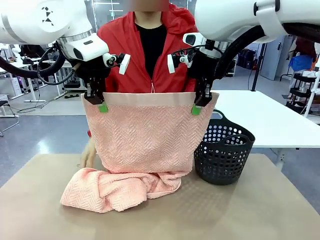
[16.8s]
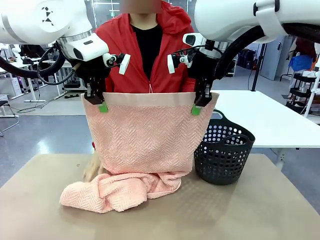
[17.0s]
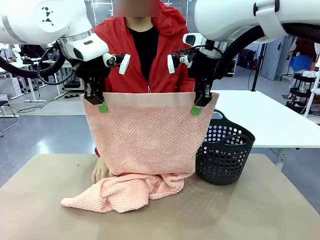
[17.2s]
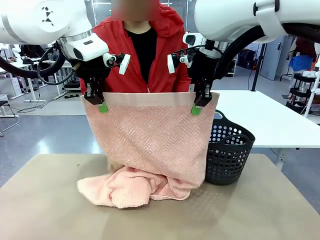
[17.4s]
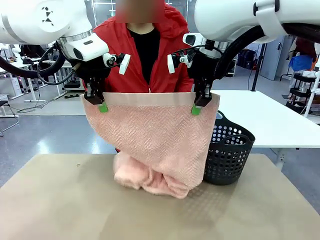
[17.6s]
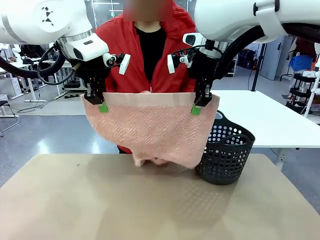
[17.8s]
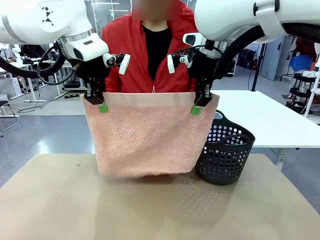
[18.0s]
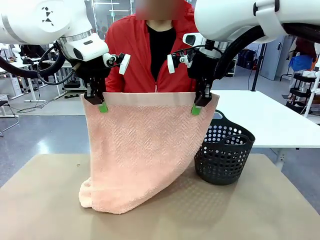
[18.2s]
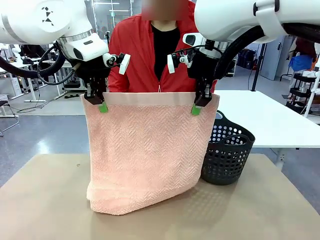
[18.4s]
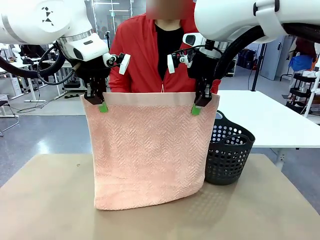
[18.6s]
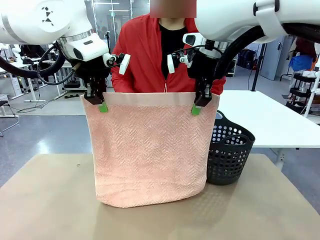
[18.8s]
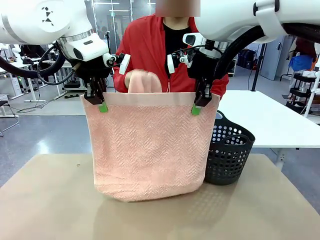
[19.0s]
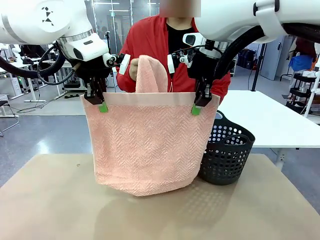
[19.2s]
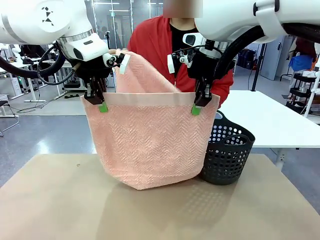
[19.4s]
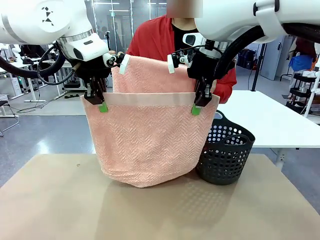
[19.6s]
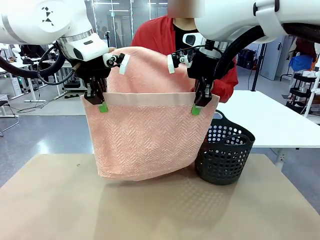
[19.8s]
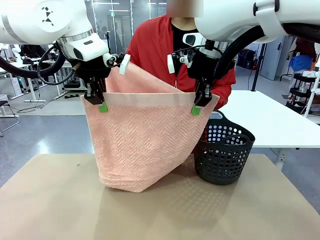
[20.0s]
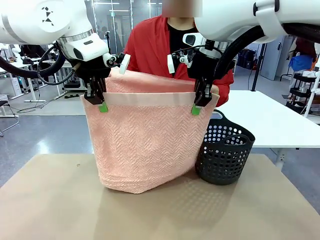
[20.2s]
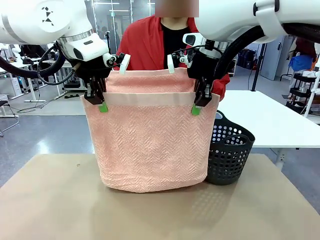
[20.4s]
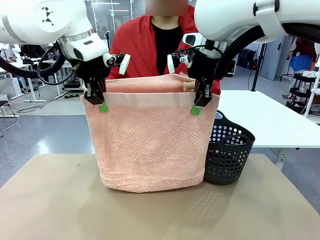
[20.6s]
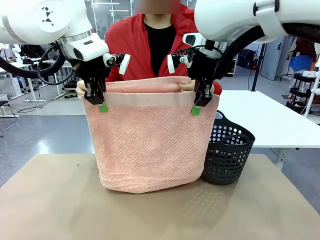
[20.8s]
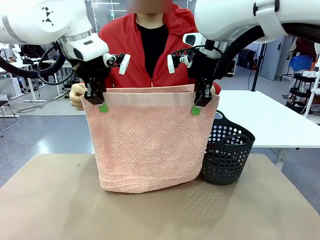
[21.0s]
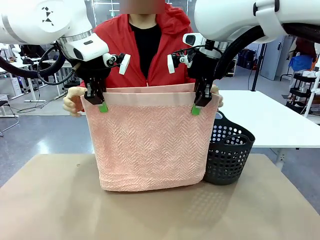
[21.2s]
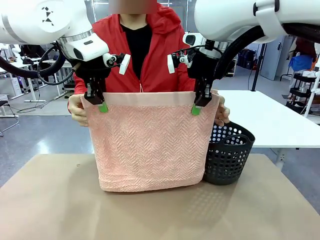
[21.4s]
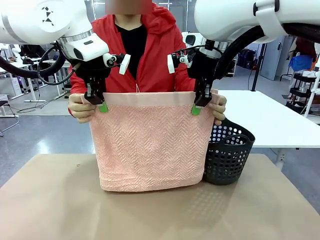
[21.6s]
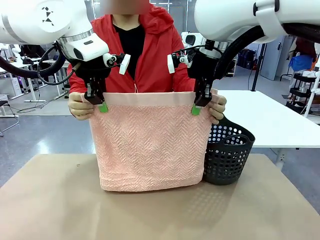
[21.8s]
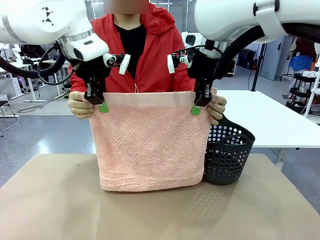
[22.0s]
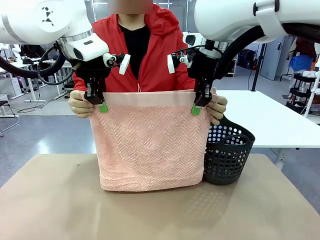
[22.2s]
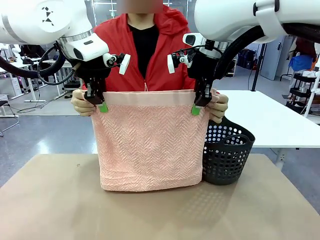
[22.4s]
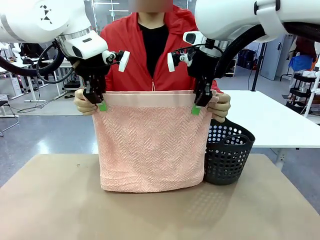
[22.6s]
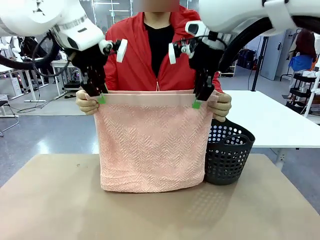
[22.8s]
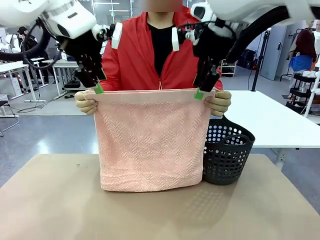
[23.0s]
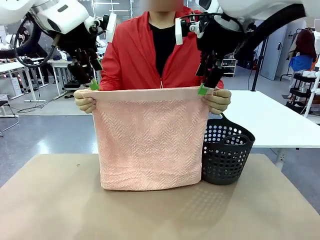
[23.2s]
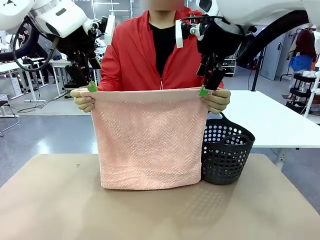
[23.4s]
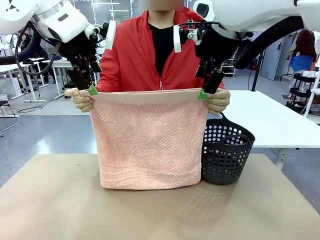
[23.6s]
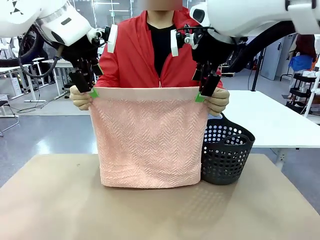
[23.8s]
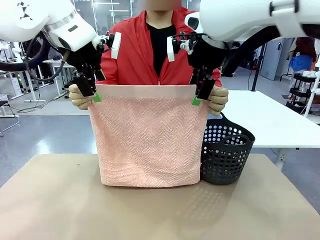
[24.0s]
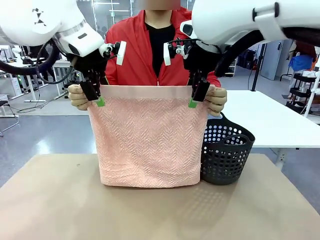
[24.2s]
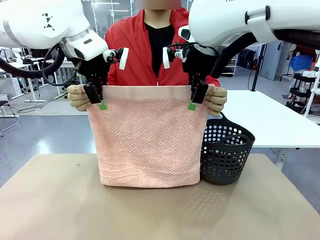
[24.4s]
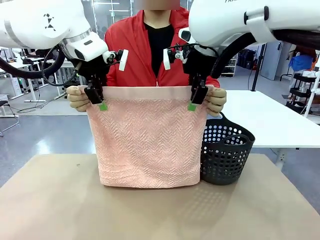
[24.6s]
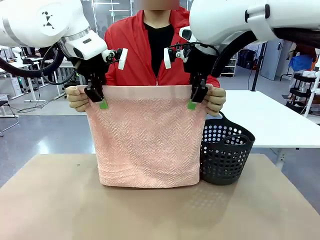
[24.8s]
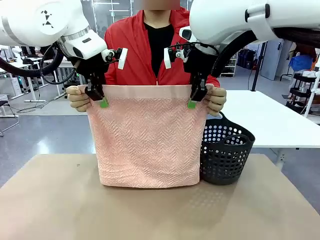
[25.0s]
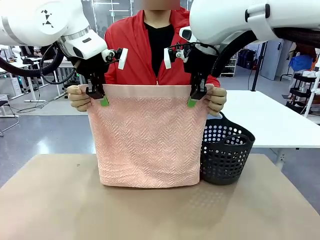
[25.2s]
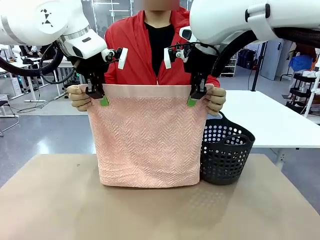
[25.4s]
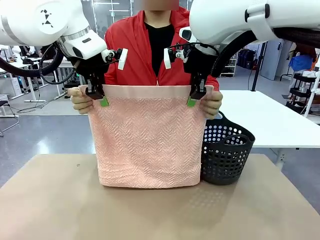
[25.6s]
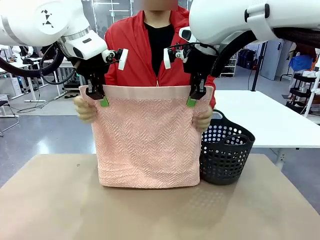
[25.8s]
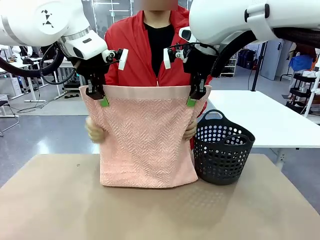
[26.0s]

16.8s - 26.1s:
Task: Fold the towel.
Robot: Release the end of the 100 cm Hotel Towel you were holding and grab the top end of the folded side.

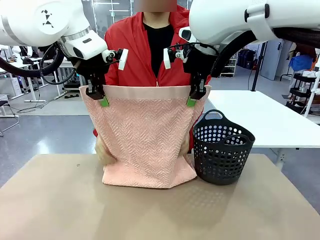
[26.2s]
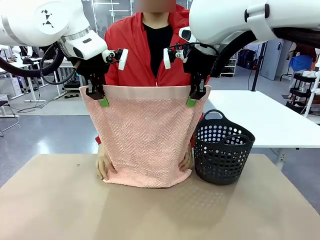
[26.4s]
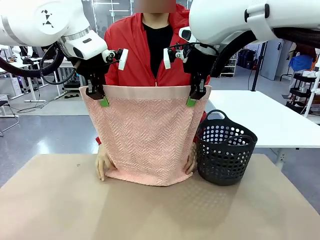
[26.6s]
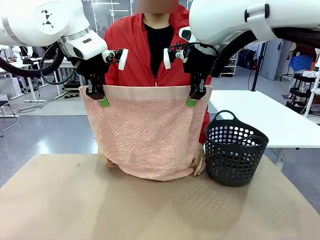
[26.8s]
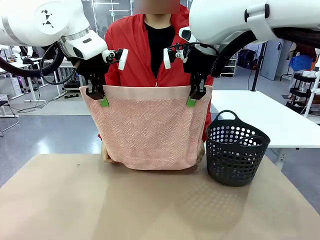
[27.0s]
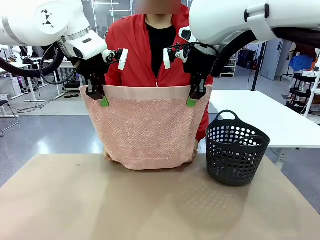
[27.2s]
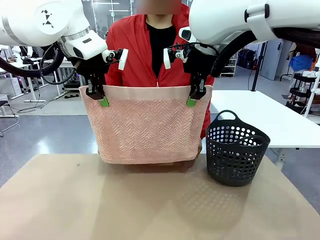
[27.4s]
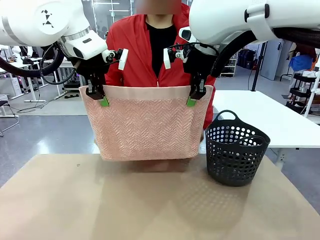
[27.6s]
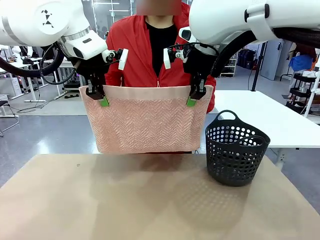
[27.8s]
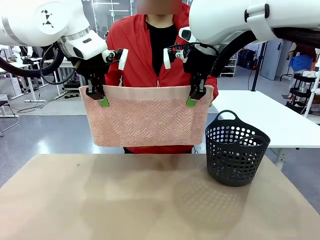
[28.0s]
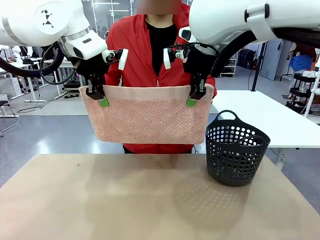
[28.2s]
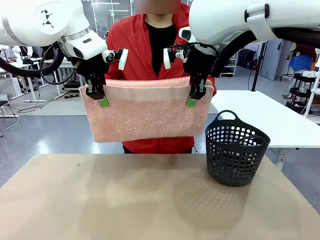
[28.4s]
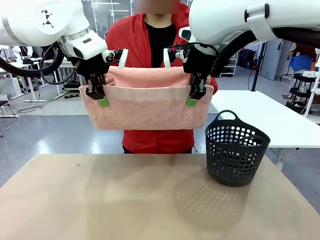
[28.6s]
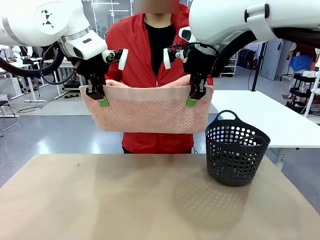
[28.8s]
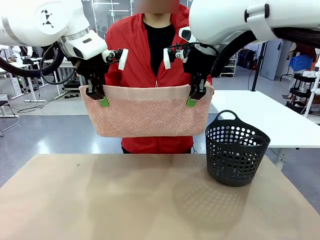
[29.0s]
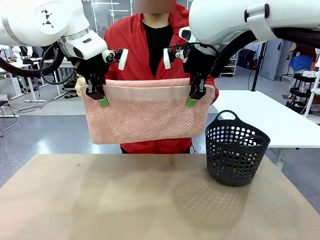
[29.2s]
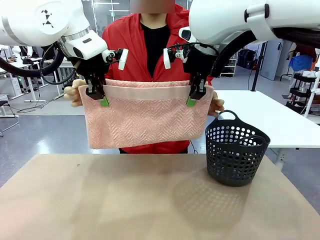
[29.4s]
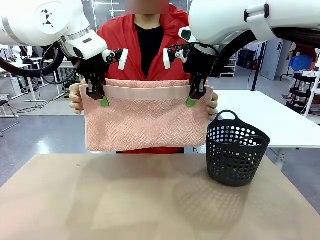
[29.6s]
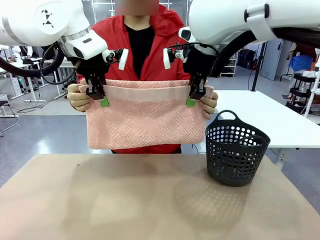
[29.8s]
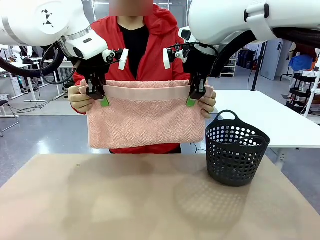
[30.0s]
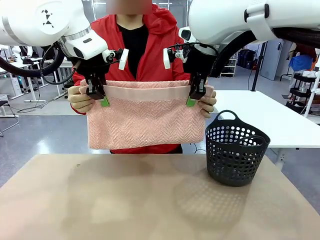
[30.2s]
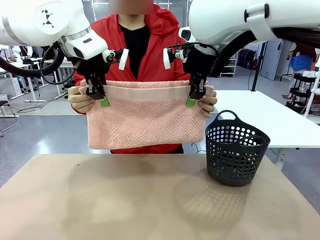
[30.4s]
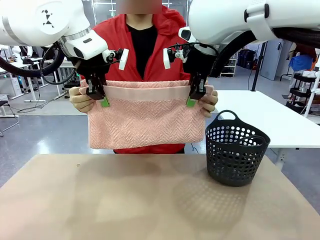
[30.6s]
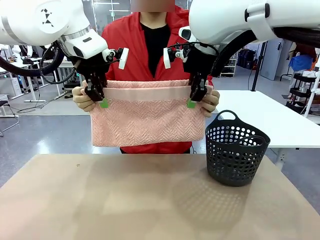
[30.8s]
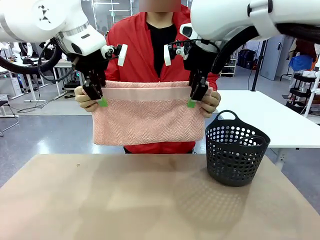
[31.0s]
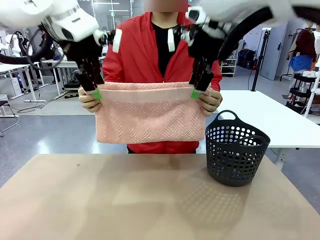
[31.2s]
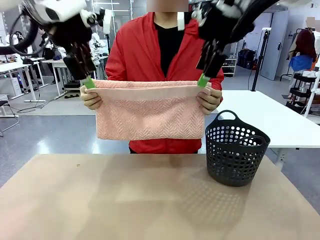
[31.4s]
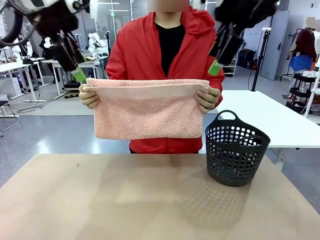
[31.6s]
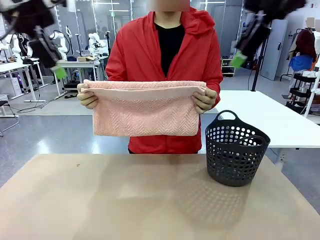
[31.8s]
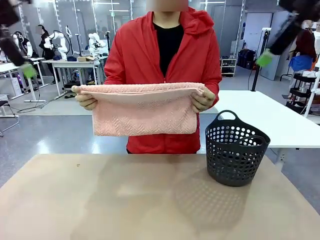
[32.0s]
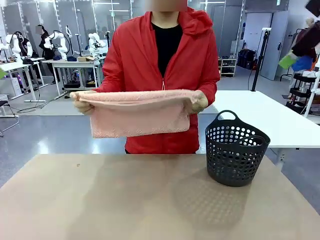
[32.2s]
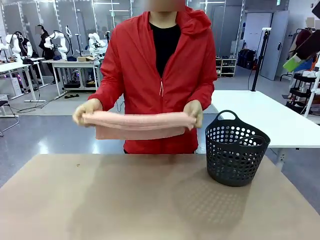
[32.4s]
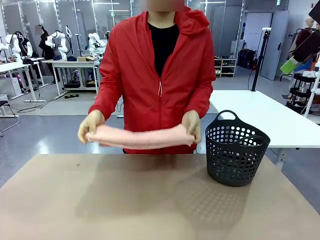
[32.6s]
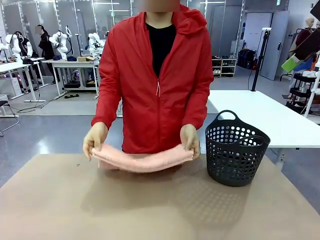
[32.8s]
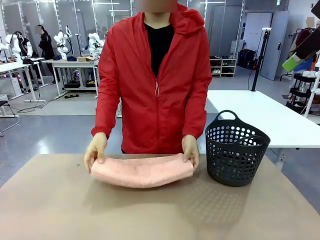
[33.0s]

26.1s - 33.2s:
Robot: Release the end of the 100 cm Hotel Towel you were holding.
